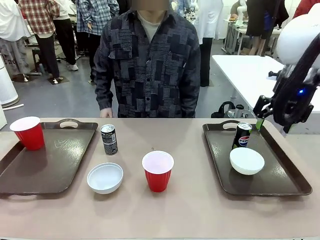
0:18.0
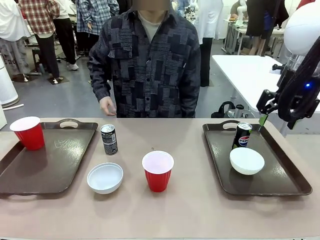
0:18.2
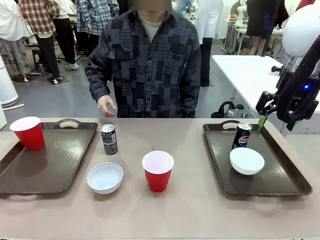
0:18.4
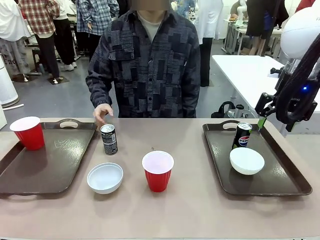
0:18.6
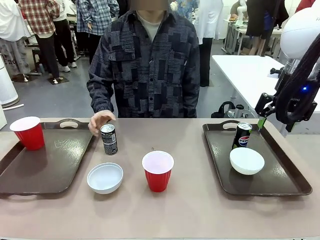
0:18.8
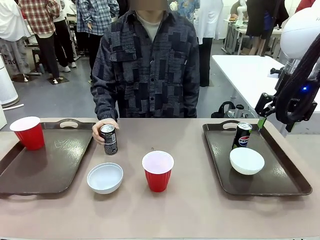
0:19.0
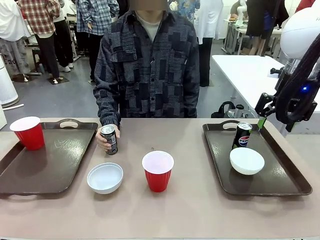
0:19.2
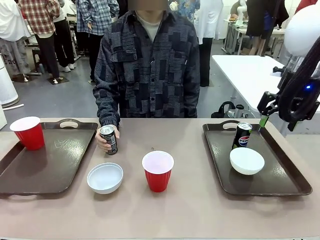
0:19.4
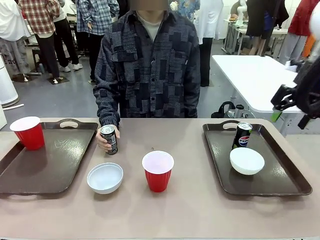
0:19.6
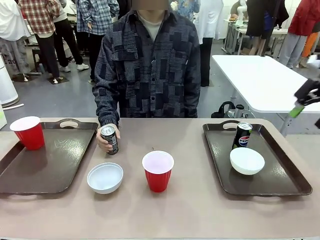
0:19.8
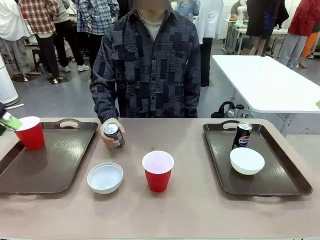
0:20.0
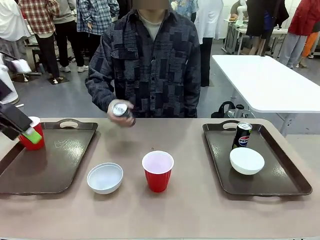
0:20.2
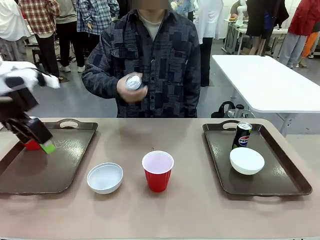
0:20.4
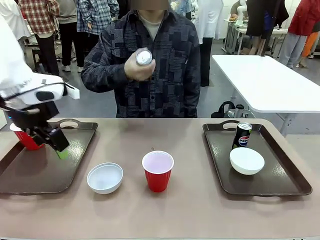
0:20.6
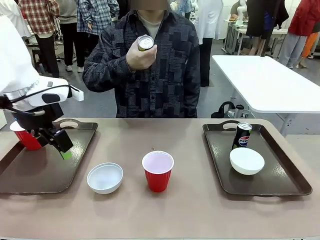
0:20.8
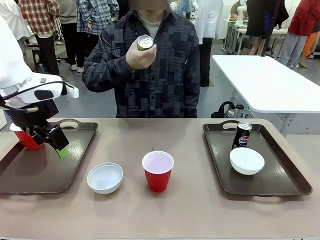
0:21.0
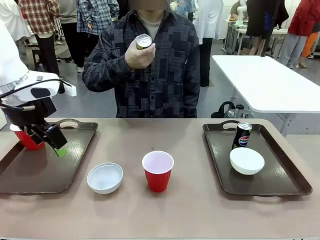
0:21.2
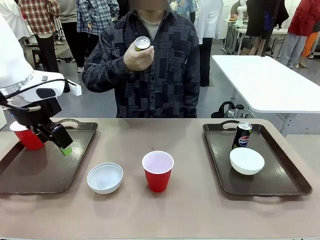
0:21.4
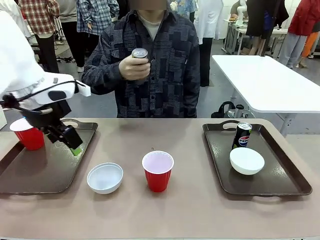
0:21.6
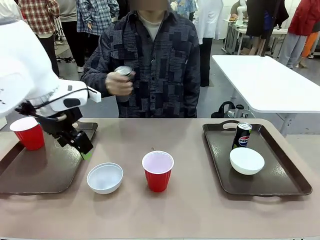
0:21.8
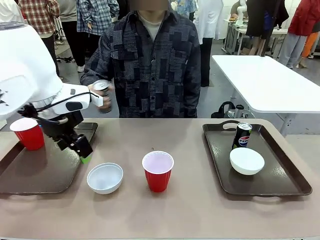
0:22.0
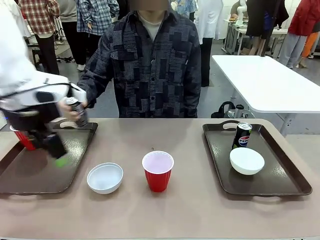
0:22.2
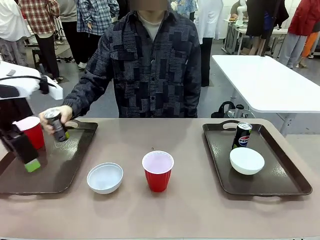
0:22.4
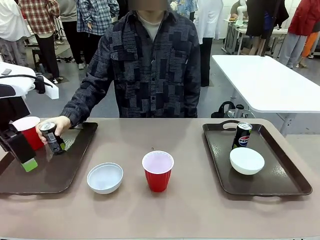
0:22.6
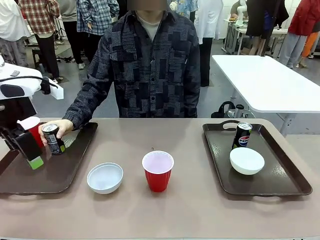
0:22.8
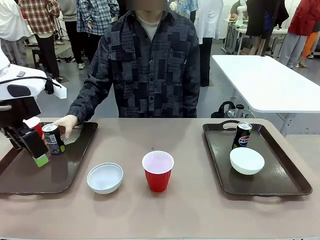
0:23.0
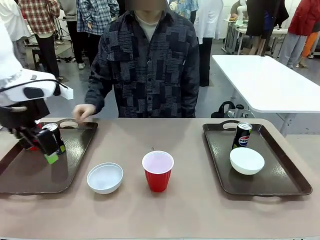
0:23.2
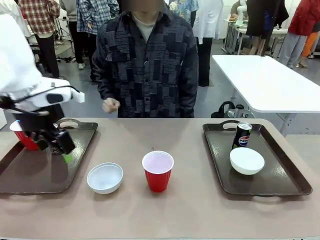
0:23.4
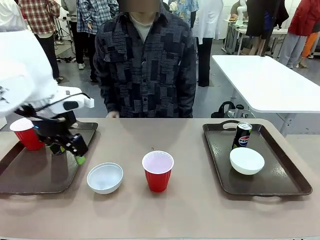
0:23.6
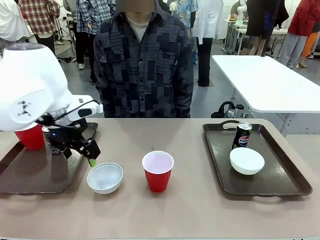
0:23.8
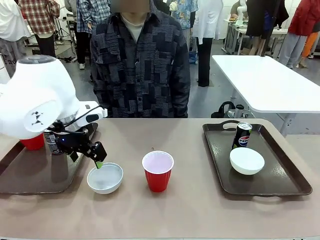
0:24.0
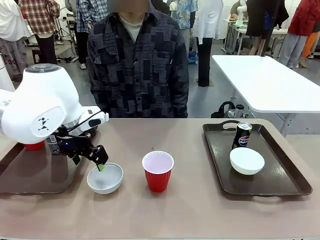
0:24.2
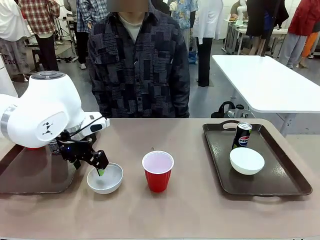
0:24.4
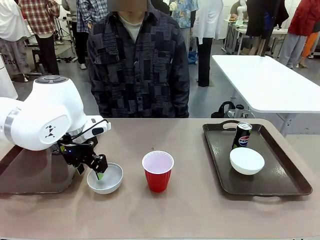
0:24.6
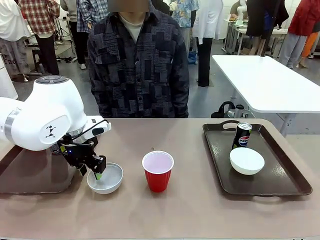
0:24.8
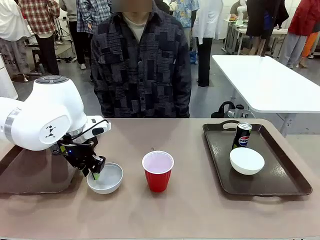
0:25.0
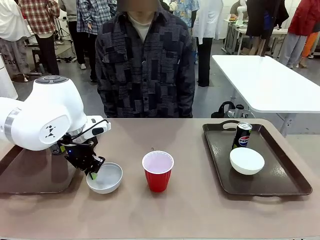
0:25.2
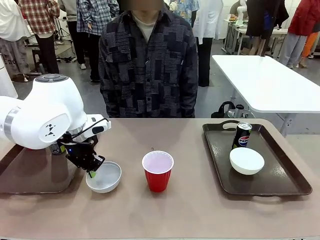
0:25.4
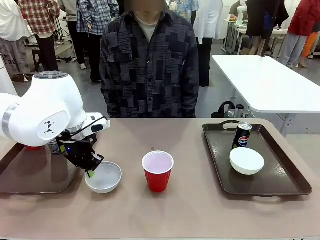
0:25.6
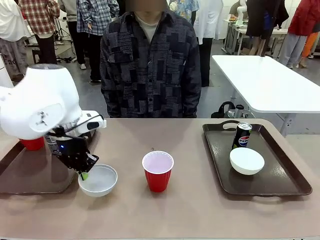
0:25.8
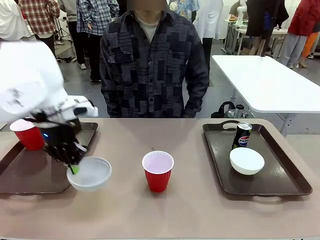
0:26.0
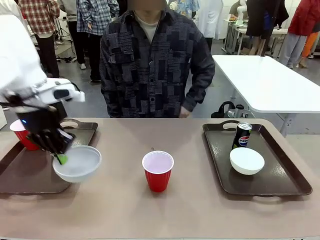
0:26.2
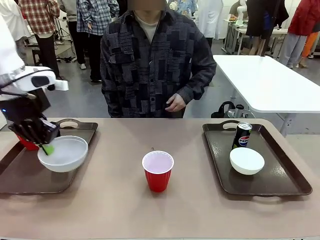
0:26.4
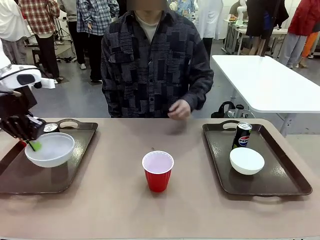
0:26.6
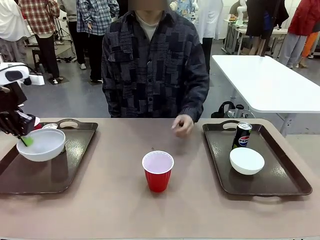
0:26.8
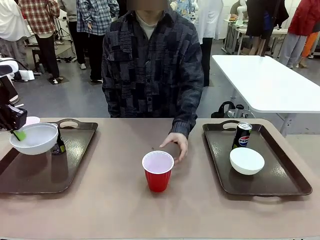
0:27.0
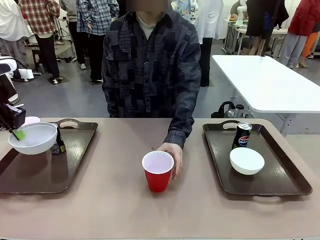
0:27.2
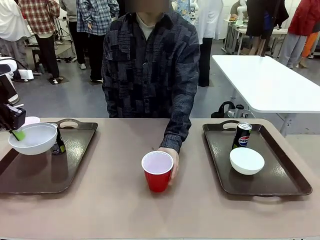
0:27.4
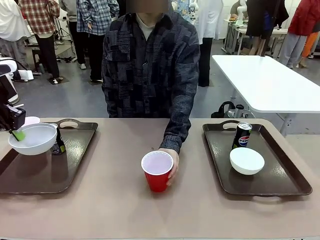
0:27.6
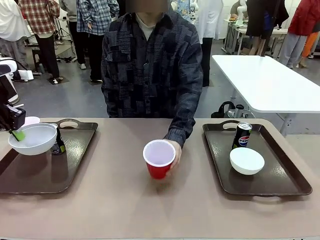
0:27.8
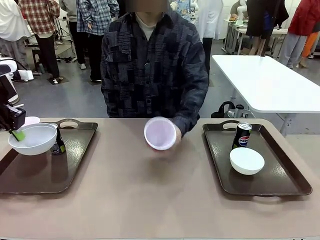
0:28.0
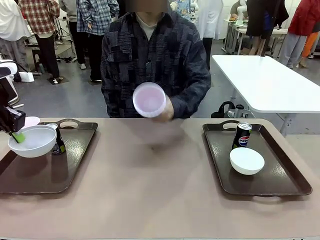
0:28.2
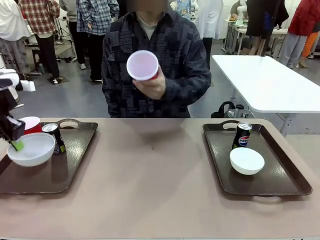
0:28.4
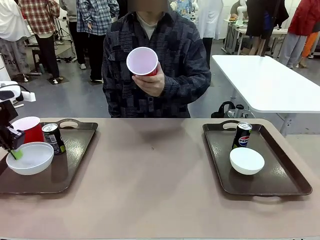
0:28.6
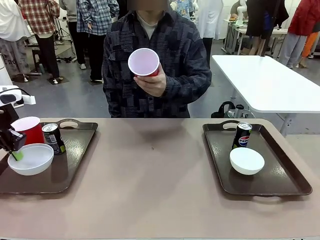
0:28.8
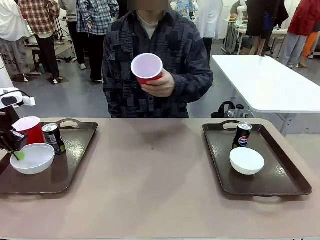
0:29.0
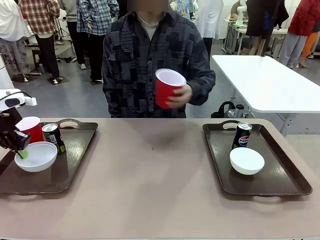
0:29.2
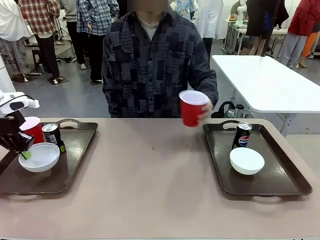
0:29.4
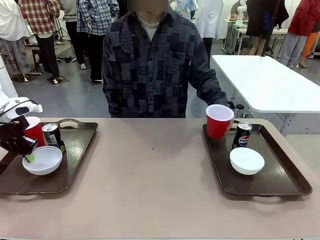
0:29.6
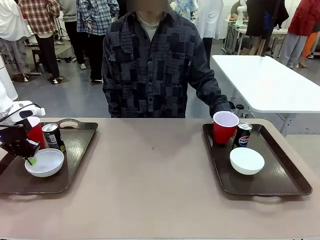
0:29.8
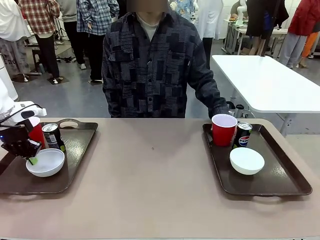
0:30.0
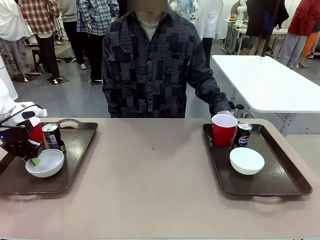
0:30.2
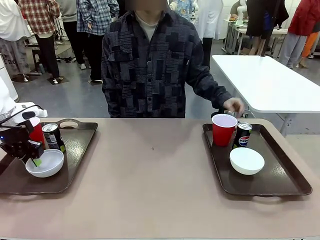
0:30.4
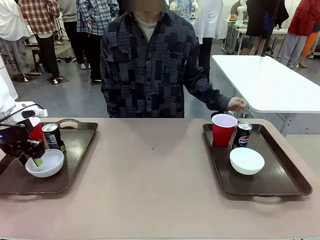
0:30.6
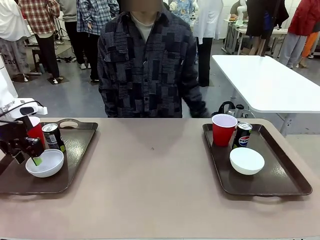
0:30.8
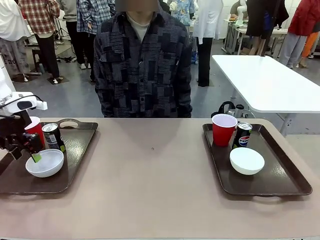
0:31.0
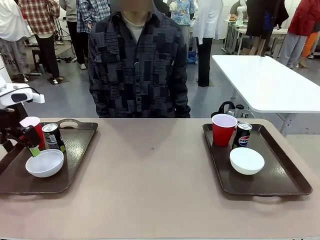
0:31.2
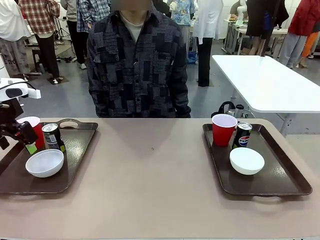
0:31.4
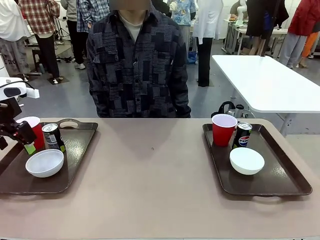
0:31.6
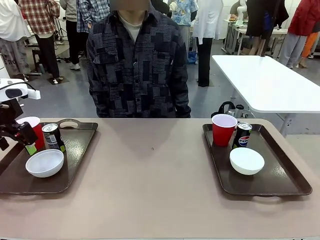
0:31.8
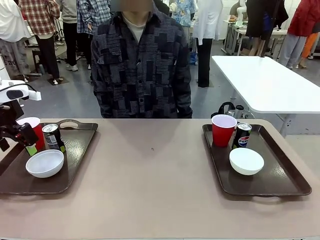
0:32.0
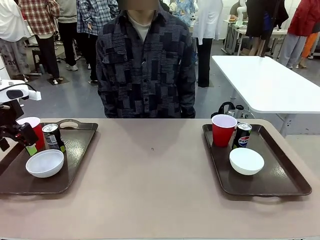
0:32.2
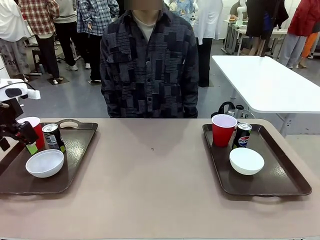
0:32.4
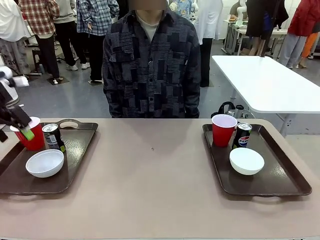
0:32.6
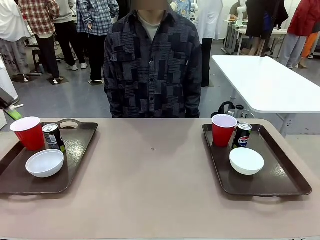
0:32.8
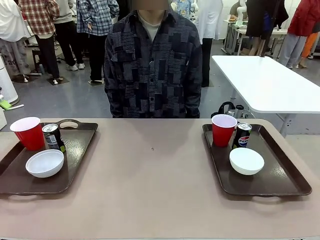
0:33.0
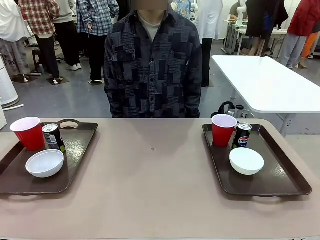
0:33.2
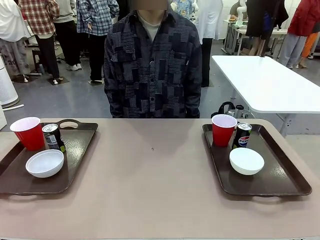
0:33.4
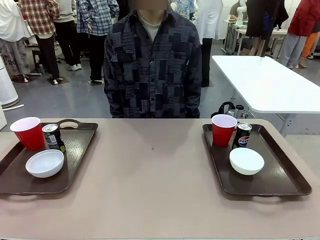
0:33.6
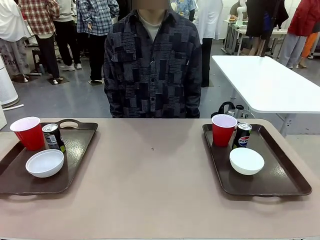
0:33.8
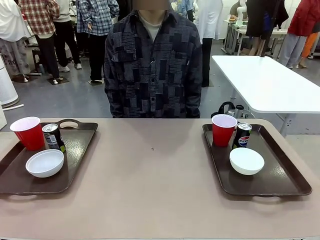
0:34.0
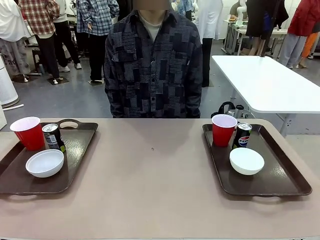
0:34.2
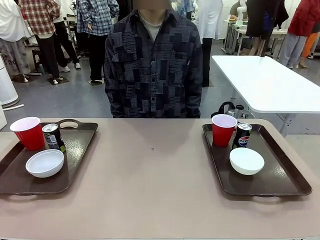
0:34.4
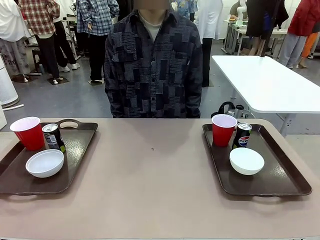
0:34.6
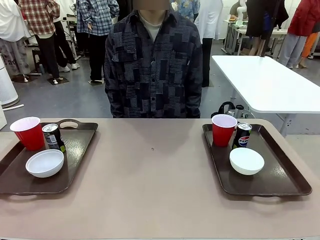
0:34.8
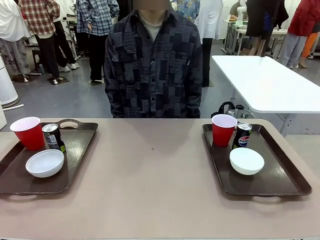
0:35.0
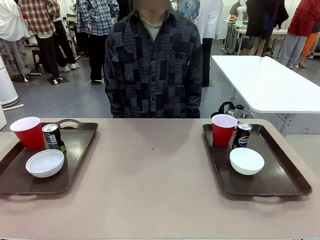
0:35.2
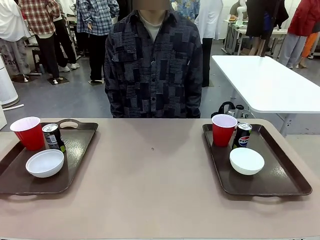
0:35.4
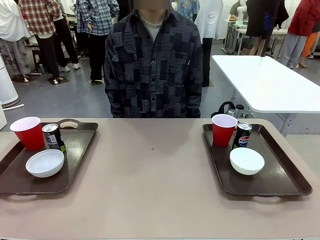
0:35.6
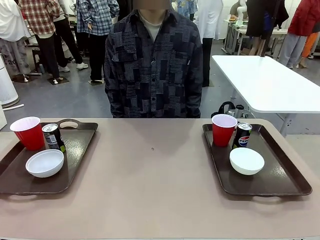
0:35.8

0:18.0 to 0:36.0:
Task: Prepare tableware on both trays.
Robot: Pick up a Picnic Bowl from the table and place it on a Handle tray.
Person: Pick up a can or cup and place it on the tray without a can or cup.
